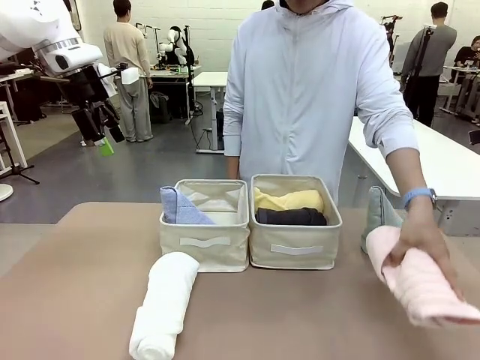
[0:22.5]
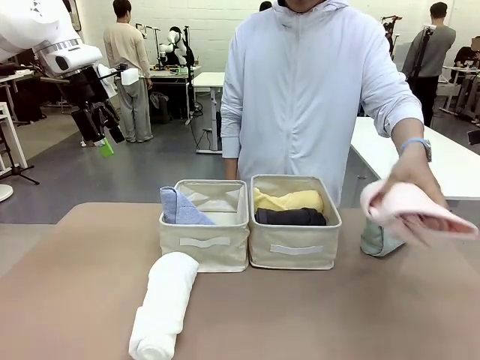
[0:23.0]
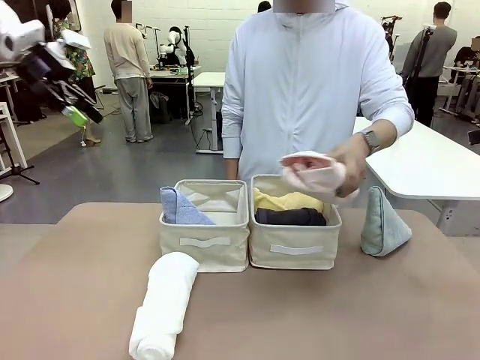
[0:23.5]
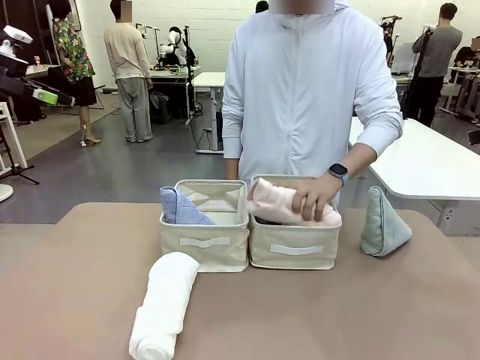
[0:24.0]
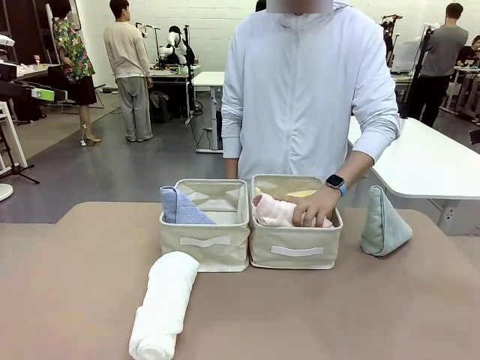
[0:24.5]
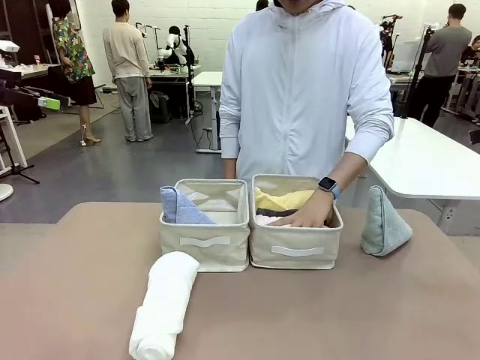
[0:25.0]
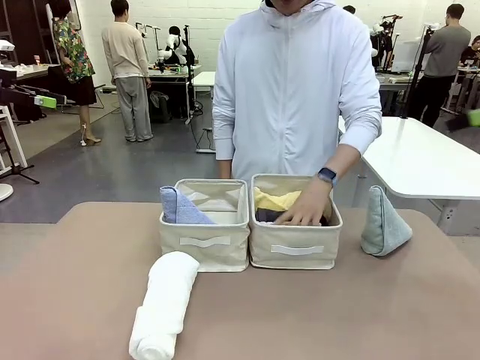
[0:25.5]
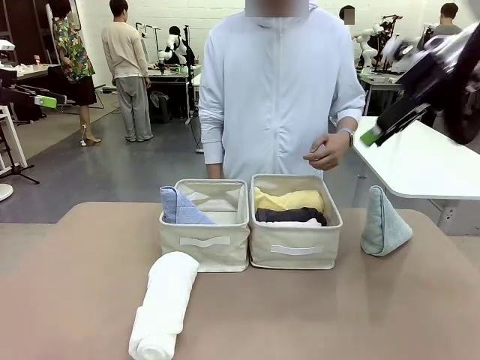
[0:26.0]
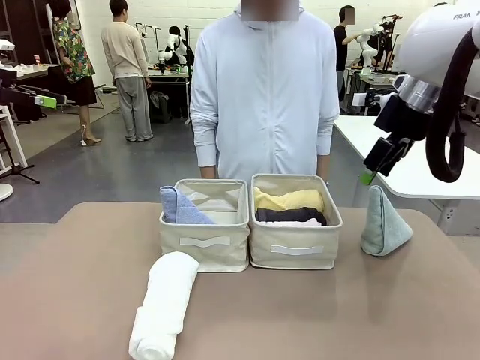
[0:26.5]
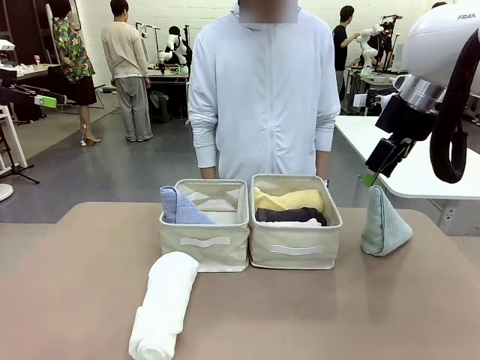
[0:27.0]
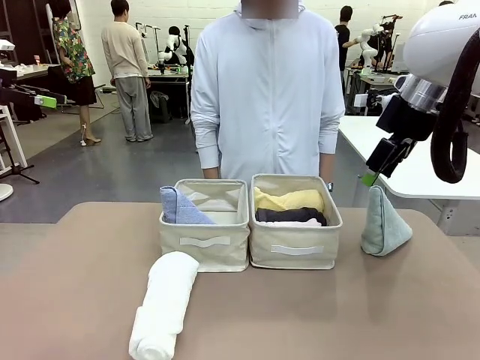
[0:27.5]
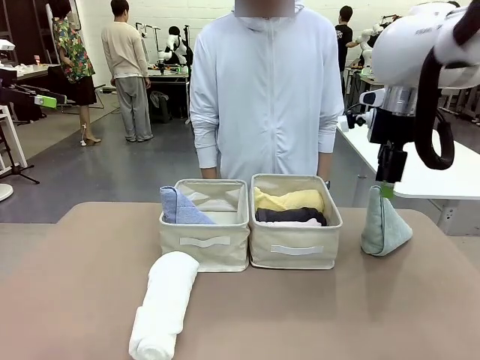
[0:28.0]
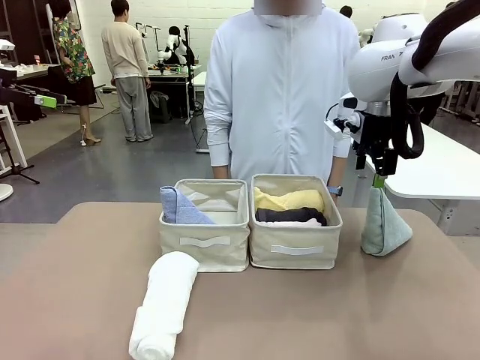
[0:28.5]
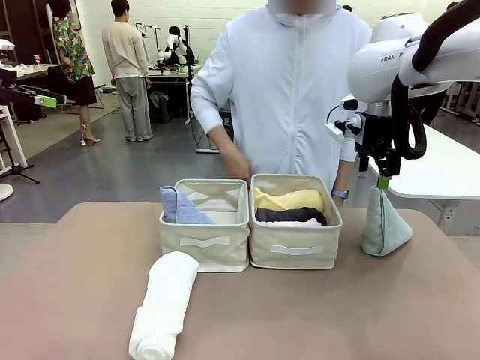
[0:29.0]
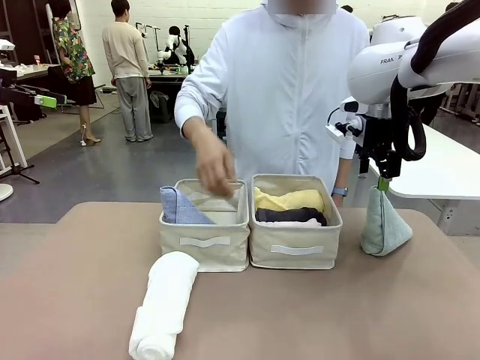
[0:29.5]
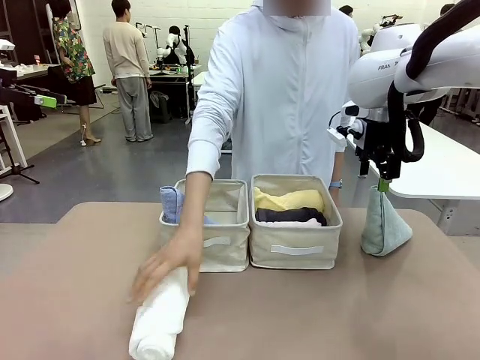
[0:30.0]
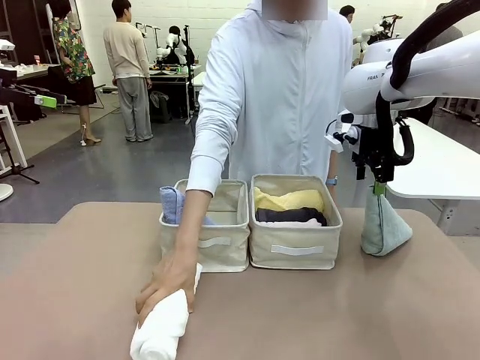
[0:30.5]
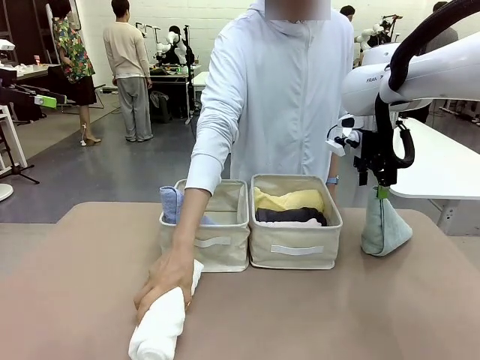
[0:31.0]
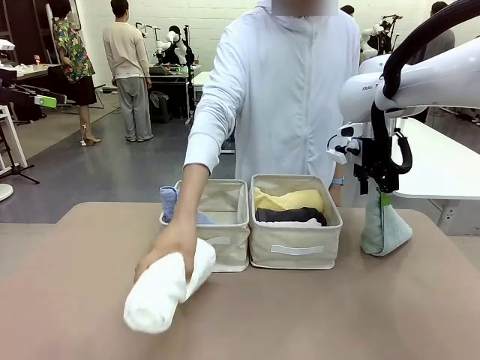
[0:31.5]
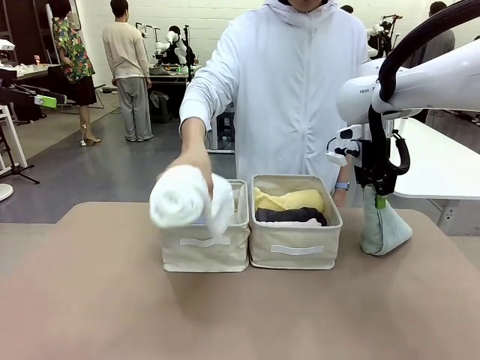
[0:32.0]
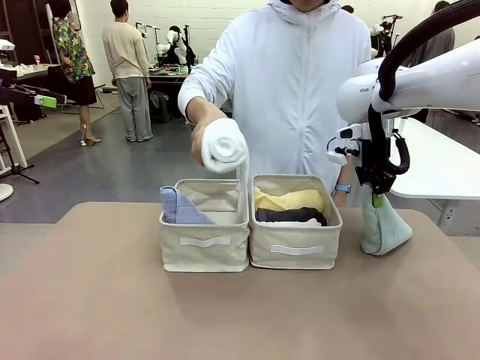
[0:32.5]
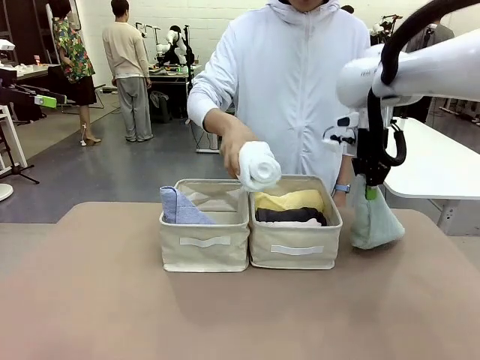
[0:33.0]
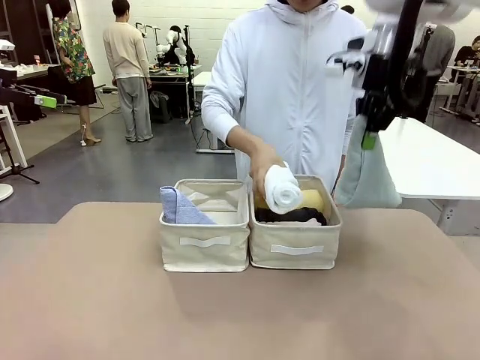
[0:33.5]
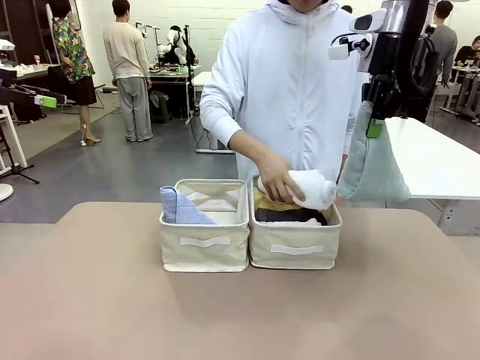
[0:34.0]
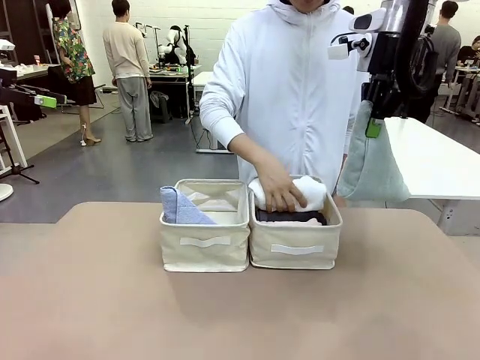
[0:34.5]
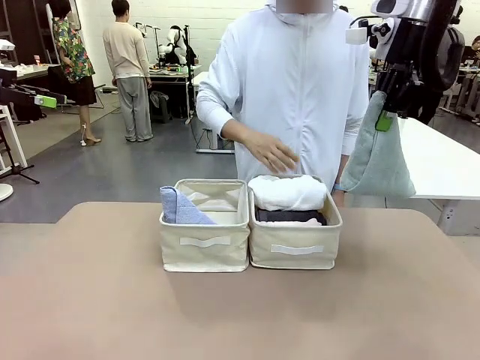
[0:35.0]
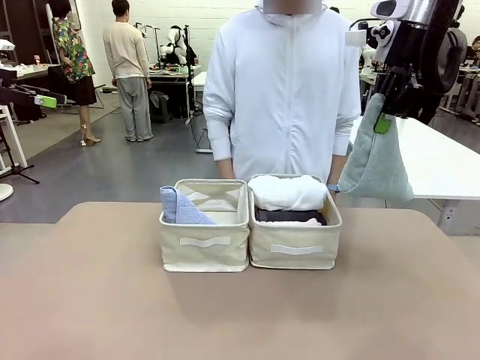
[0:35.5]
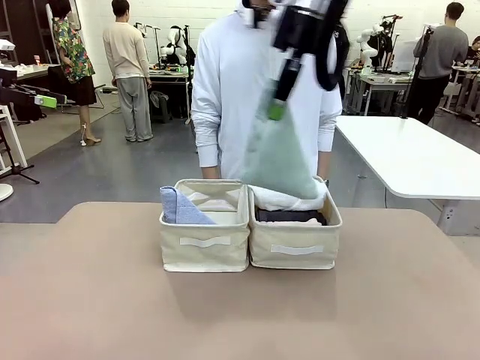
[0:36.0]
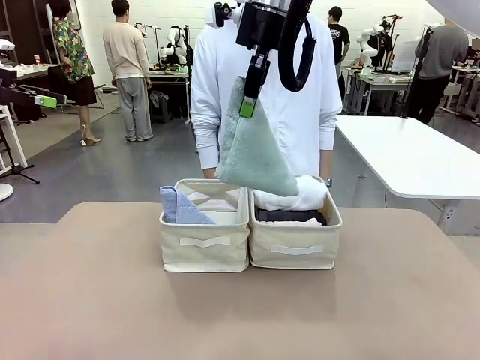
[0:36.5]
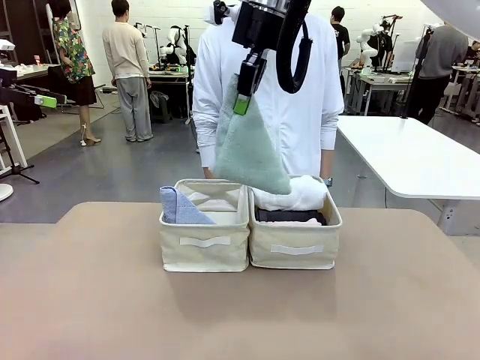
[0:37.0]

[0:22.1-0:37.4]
Task: Sort the towels based on their folding style.
Robot: Pick up another triangle-folded towel from the table and place it in the left Fabric basket.

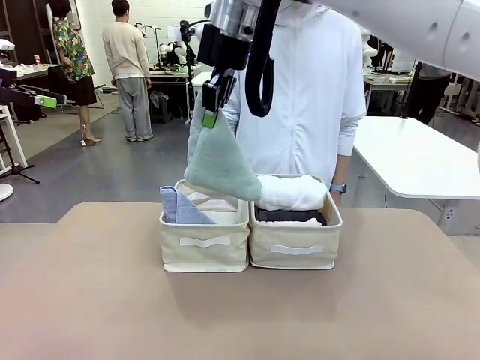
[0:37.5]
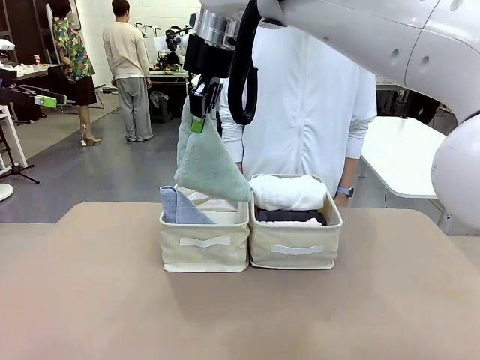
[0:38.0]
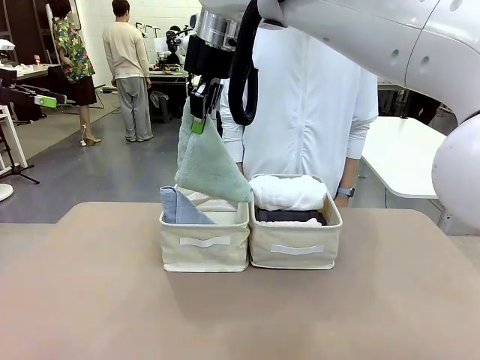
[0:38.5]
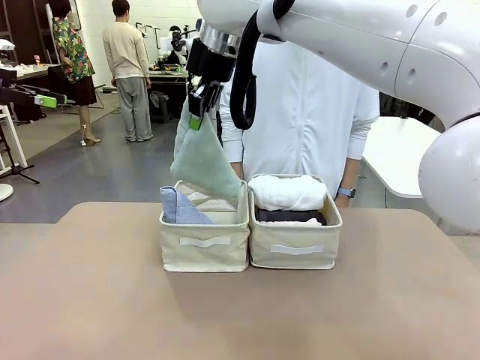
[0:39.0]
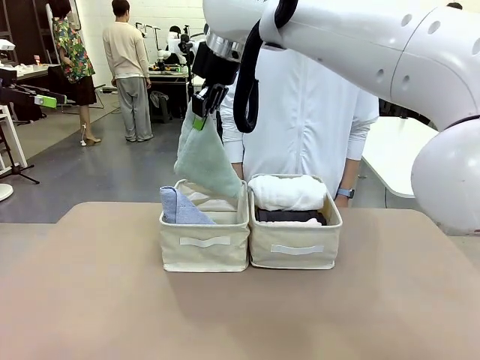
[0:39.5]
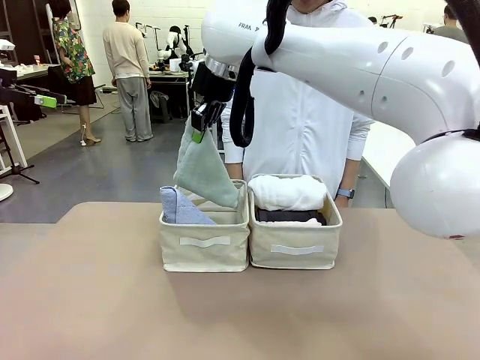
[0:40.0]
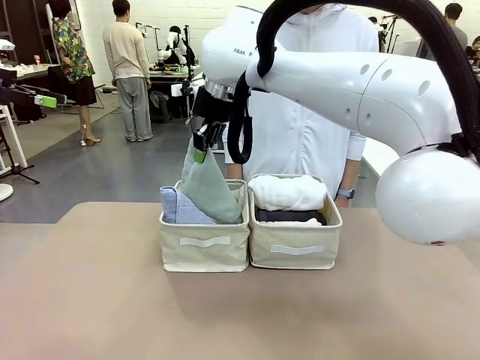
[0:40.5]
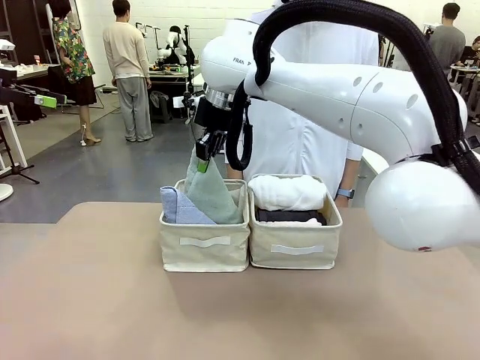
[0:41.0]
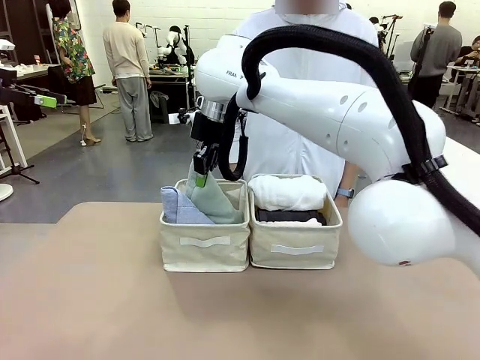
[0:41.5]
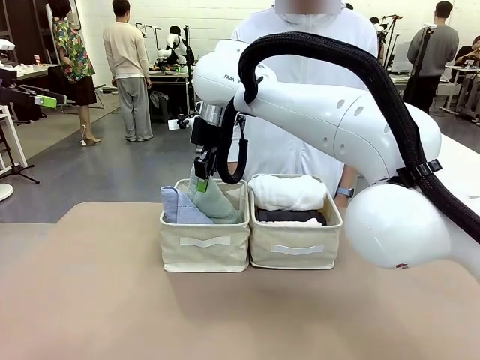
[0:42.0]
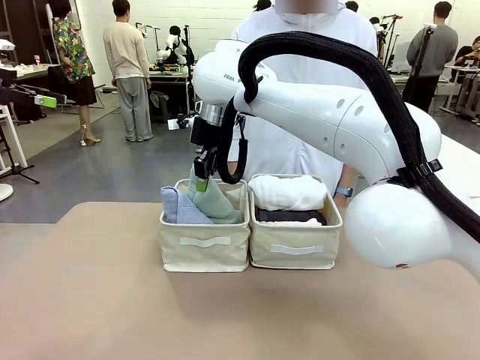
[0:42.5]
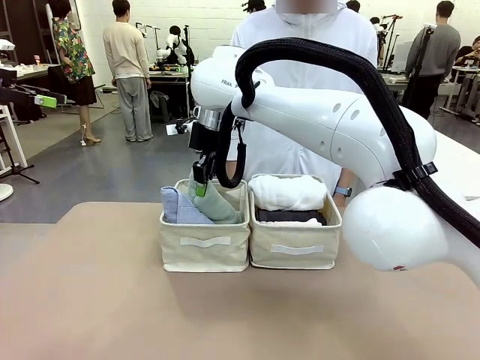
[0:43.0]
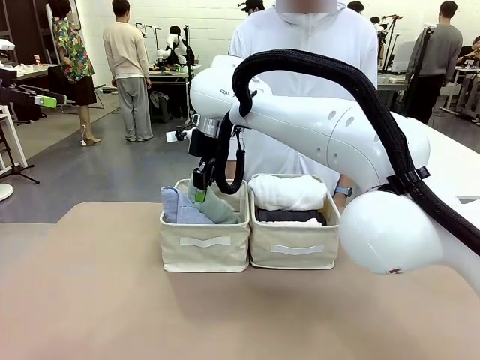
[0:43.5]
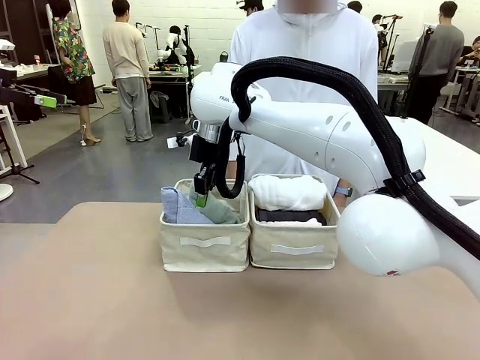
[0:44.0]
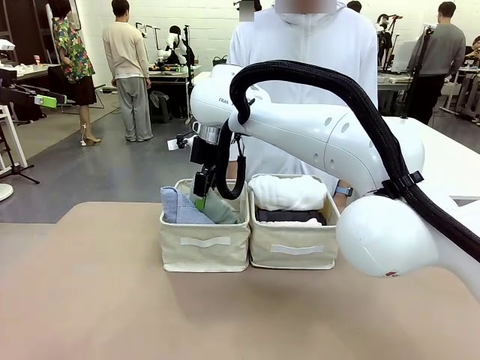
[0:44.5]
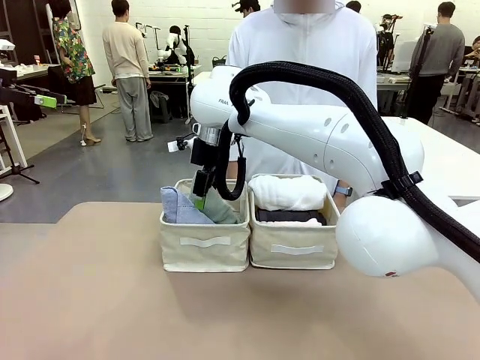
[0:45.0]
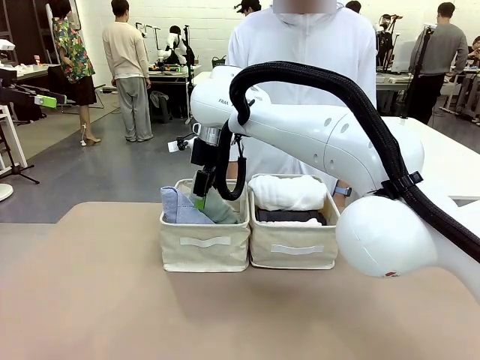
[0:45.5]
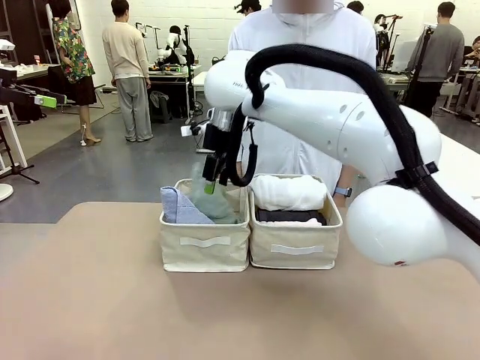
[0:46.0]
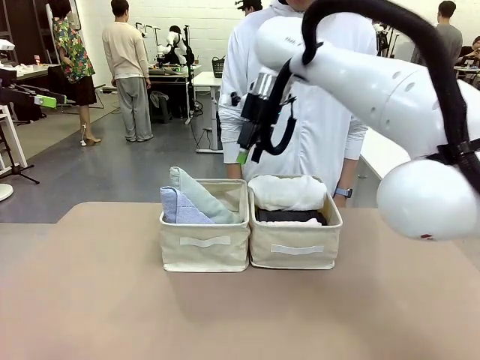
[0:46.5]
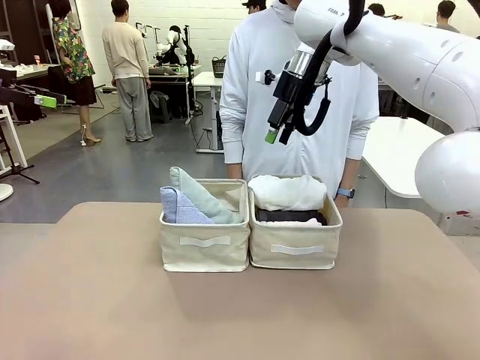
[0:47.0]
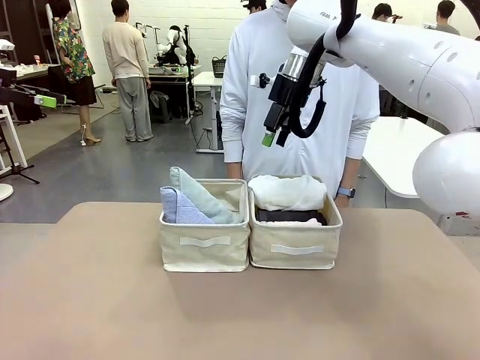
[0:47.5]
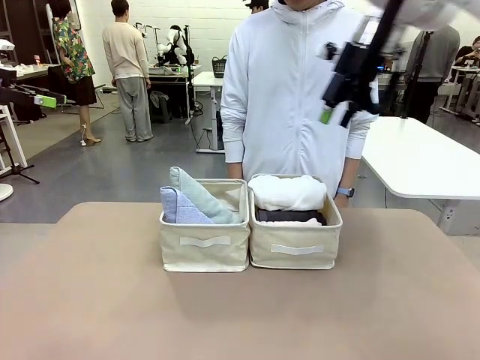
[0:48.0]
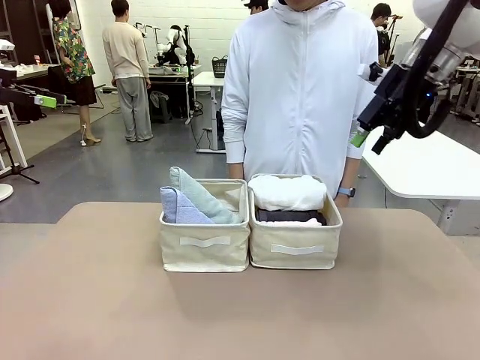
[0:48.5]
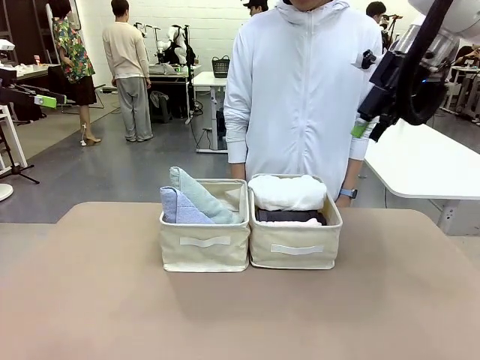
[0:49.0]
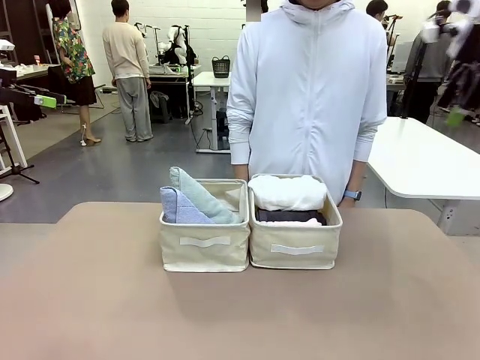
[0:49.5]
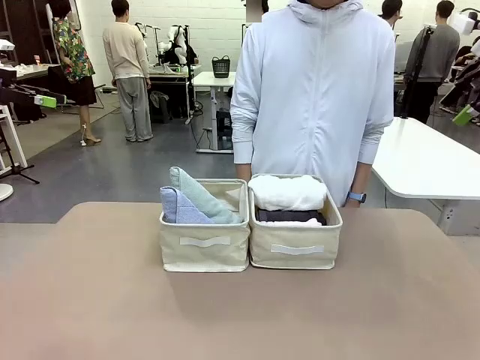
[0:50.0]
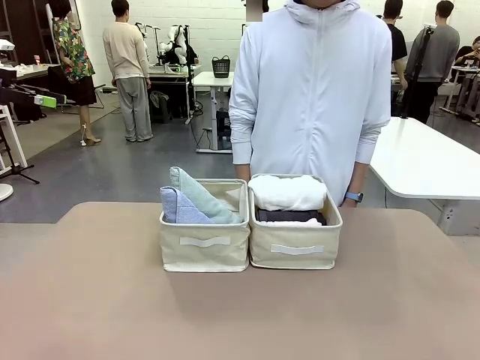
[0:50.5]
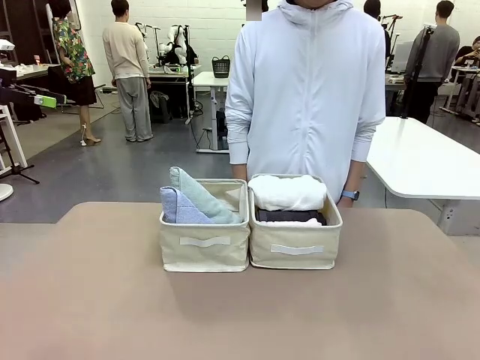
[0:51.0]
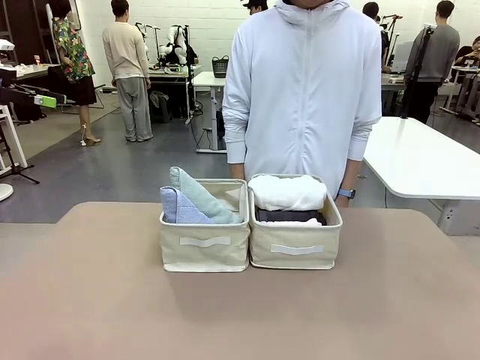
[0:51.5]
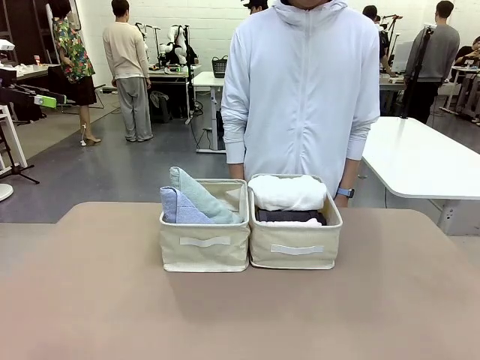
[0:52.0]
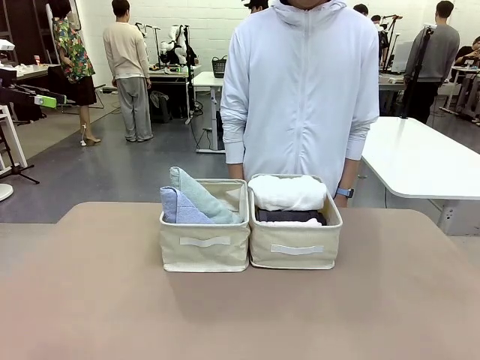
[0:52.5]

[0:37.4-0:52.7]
Robot: Pick up another triangle-folded towel from the table and place it in the left Fabric basket.
